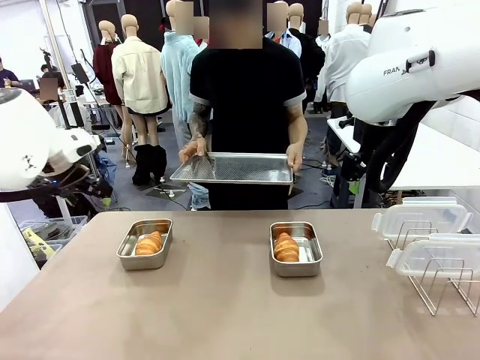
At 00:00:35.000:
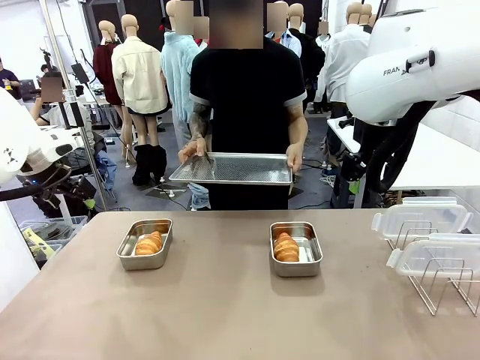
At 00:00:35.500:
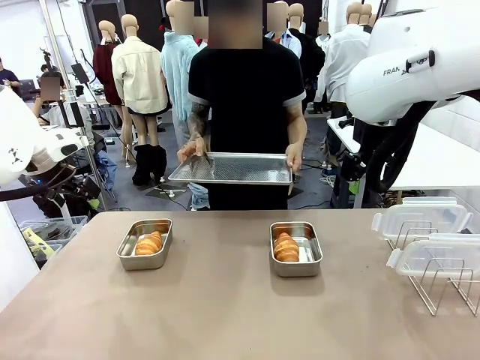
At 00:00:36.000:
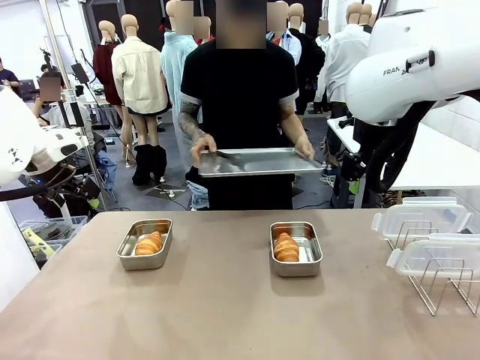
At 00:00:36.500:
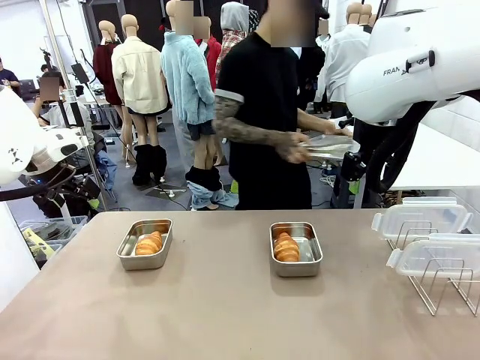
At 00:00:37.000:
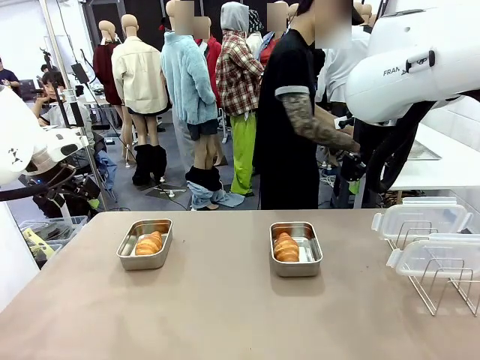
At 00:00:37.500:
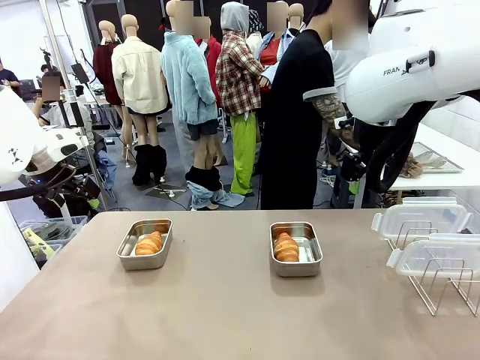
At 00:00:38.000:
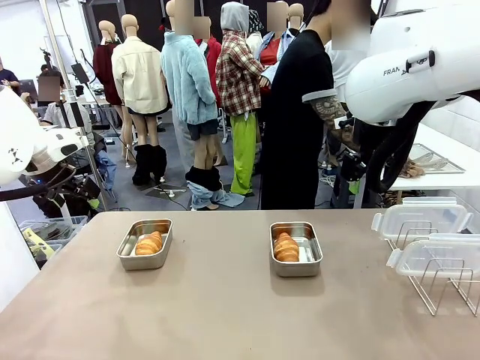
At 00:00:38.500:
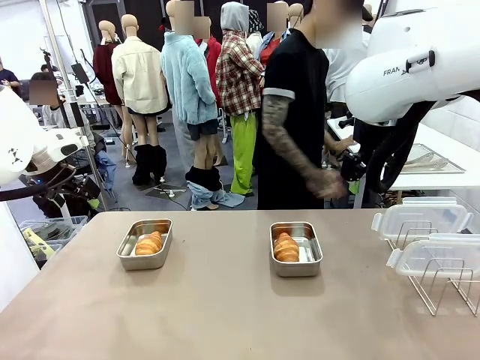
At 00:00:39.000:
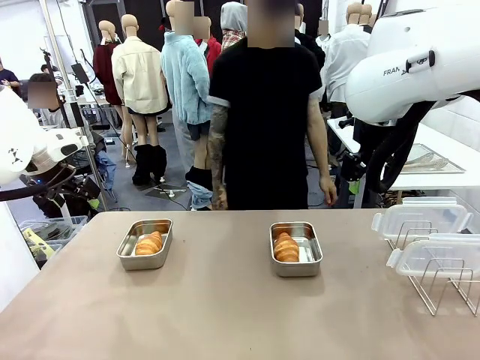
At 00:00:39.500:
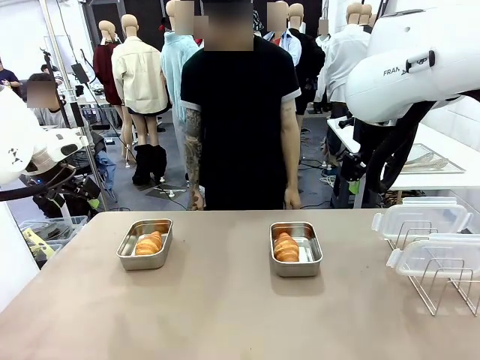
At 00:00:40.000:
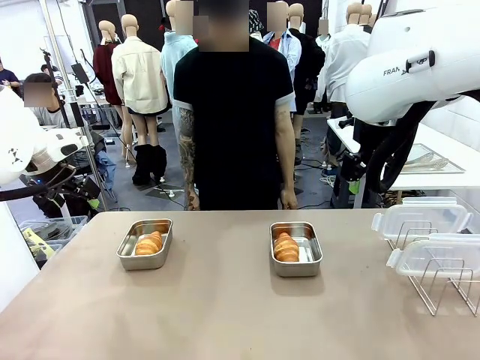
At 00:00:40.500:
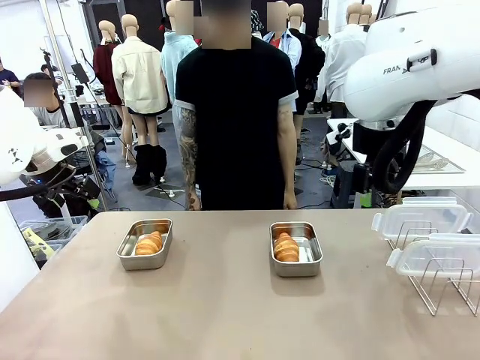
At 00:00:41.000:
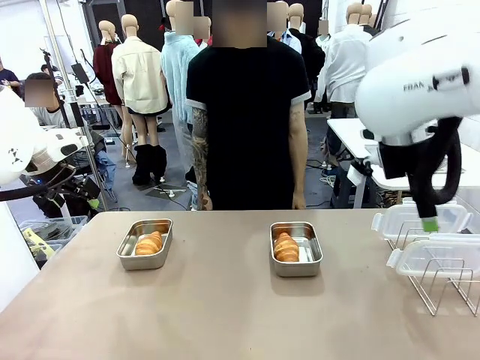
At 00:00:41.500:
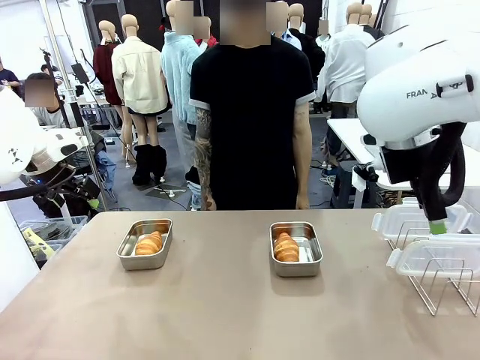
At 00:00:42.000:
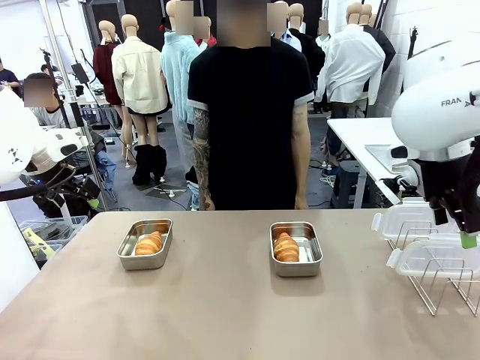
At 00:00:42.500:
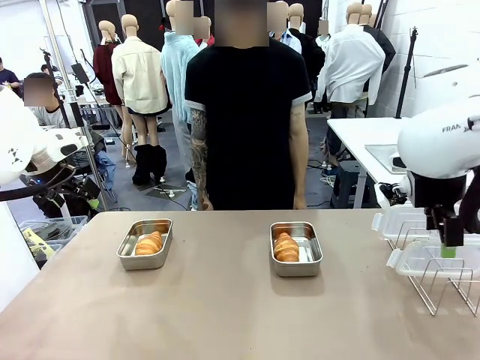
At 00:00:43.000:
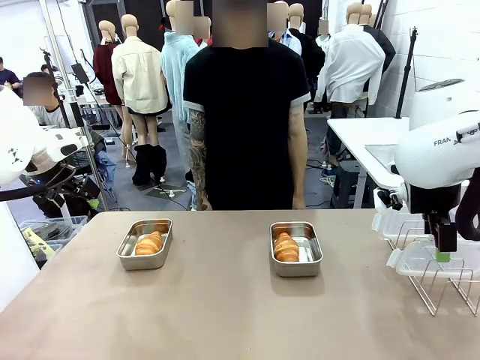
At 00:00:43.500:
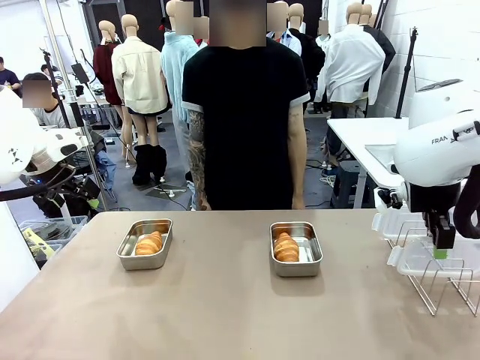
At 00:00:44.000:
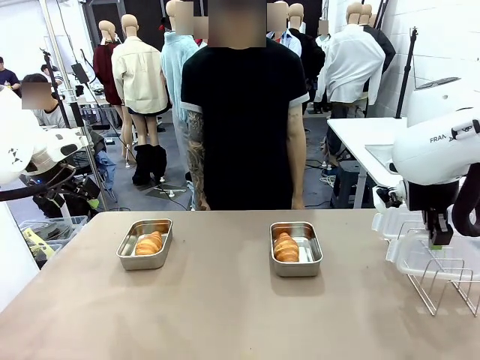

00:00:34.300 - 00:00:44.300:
Task: Place the bread in airtight containers.
Robot: Pick up one Airtight Container lid and hand it to the human.
Person: Place Baking Sheet on the Human's Table.

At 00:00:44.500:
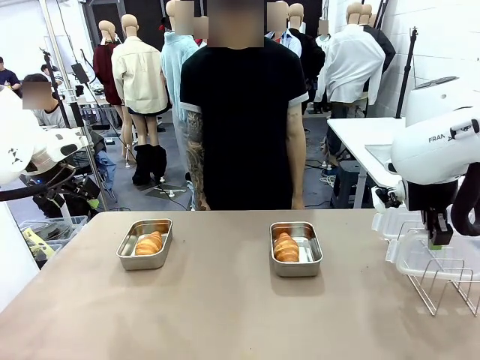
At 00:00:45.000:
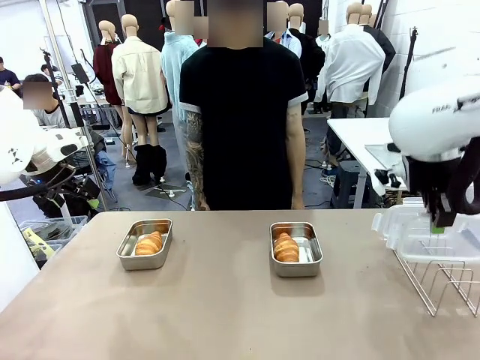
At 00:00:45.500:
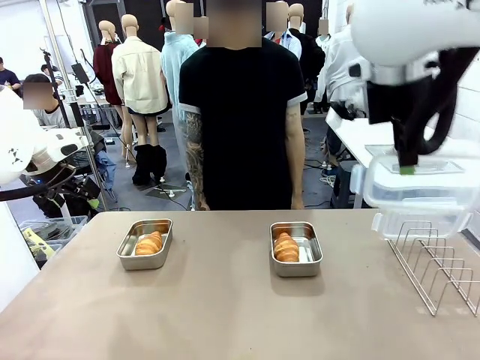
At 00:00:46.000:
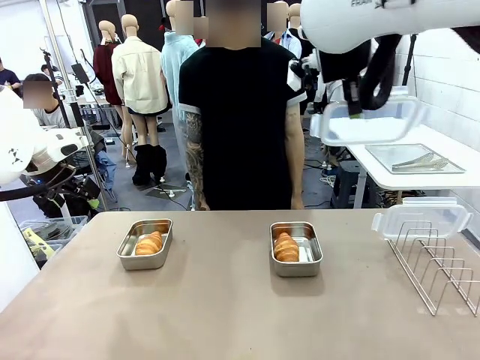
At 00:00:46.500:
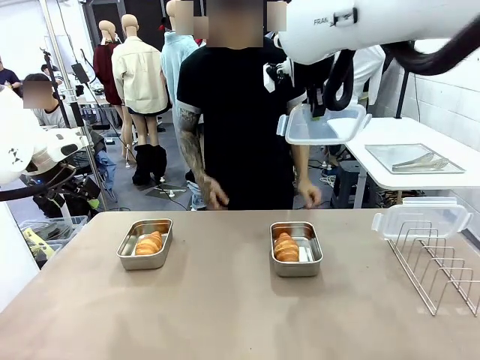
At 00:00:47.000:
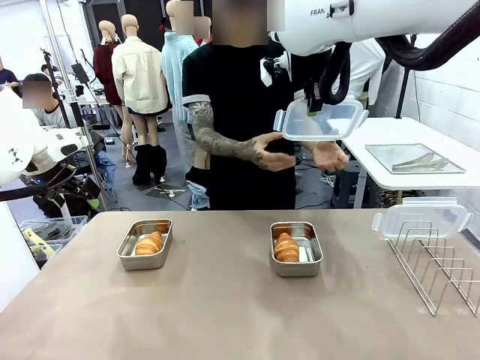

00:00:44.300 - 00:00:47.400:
Robot: Release when the human grabs the Airtight Container lid.

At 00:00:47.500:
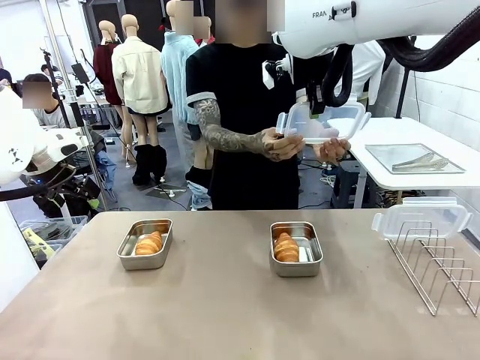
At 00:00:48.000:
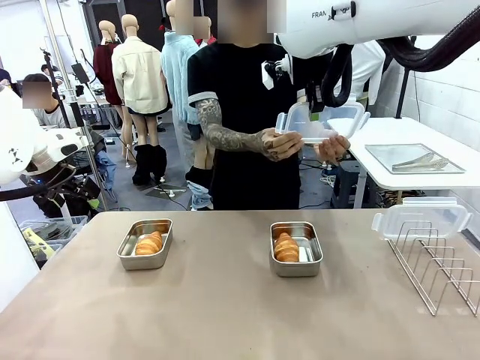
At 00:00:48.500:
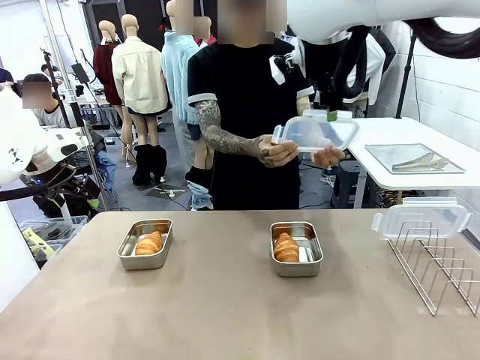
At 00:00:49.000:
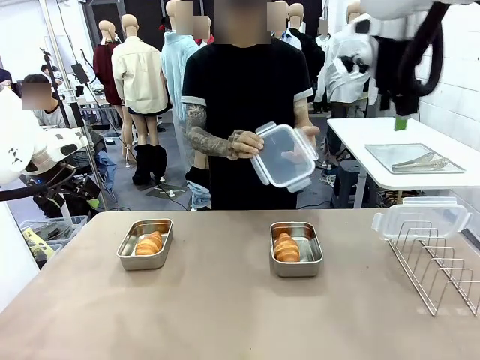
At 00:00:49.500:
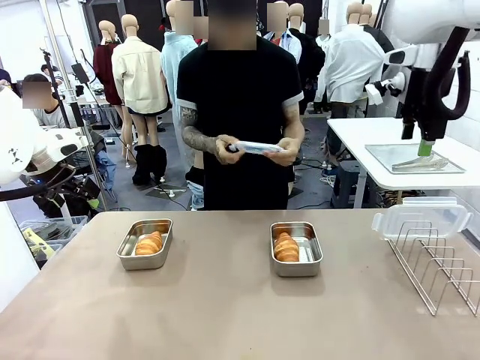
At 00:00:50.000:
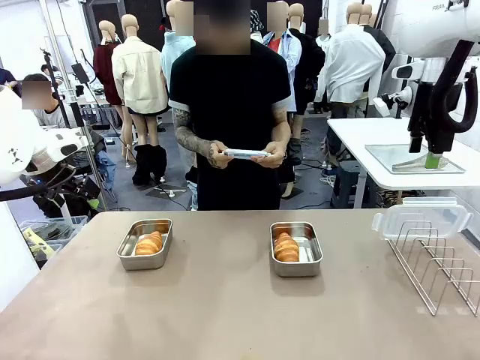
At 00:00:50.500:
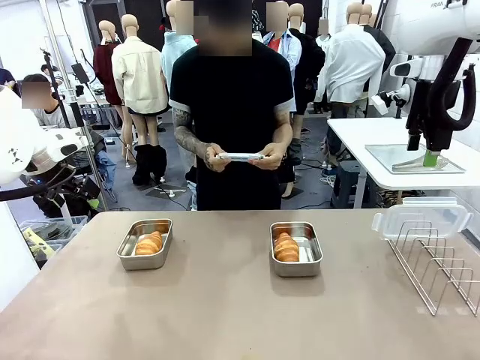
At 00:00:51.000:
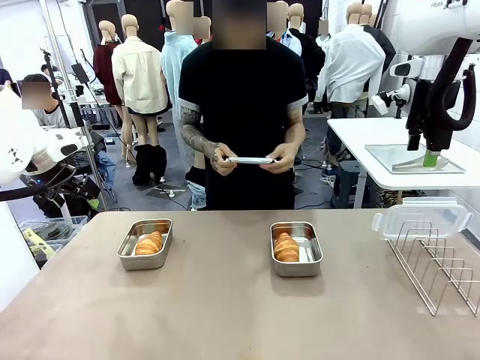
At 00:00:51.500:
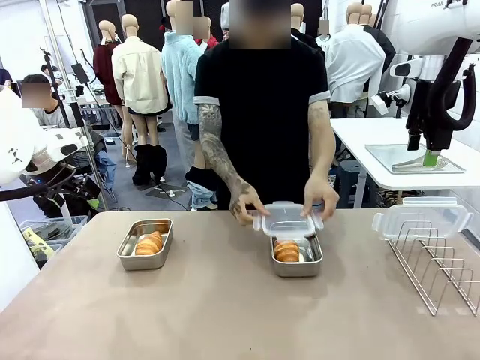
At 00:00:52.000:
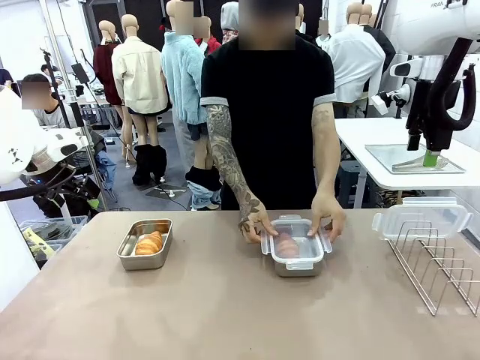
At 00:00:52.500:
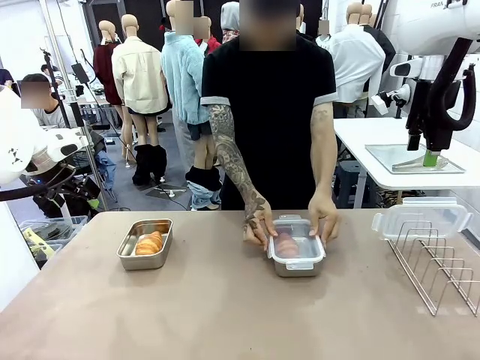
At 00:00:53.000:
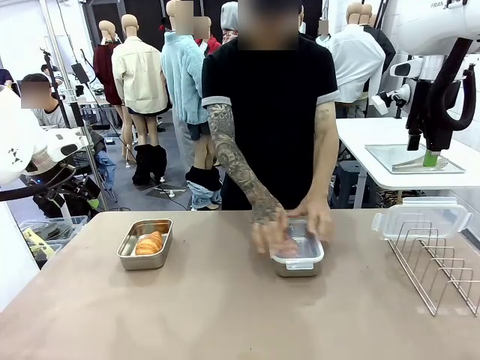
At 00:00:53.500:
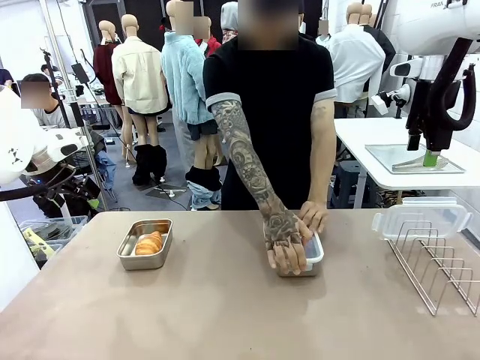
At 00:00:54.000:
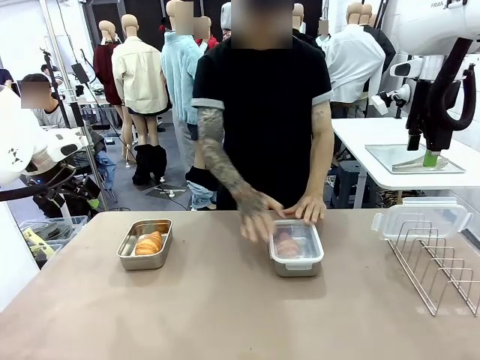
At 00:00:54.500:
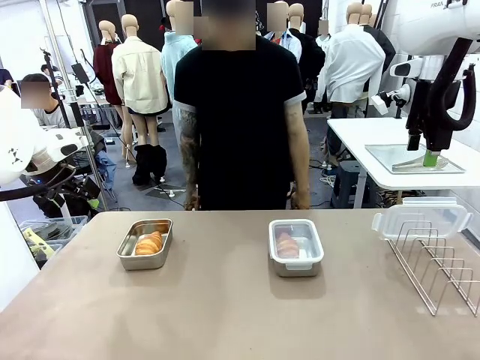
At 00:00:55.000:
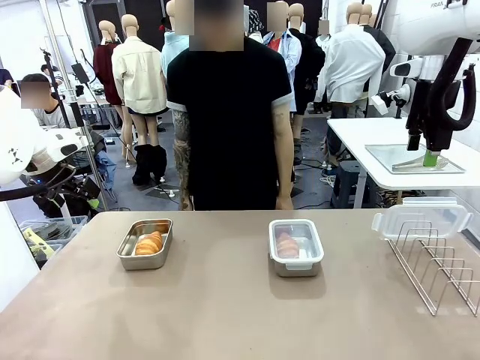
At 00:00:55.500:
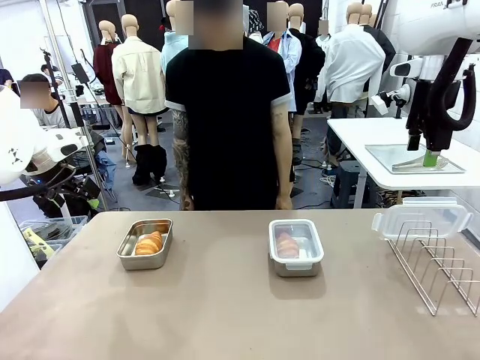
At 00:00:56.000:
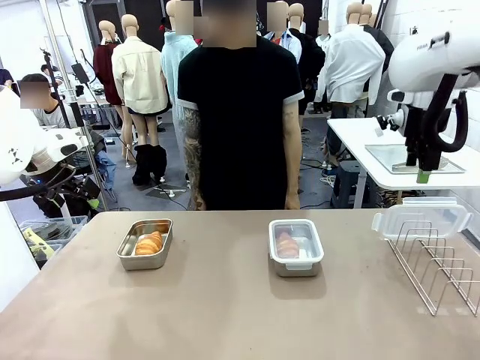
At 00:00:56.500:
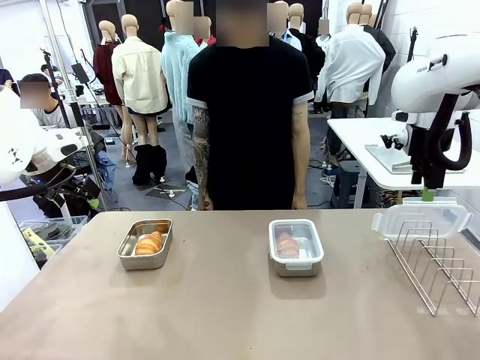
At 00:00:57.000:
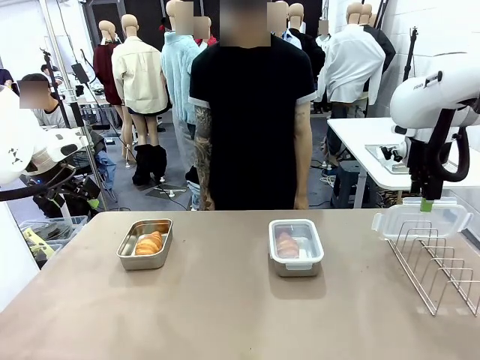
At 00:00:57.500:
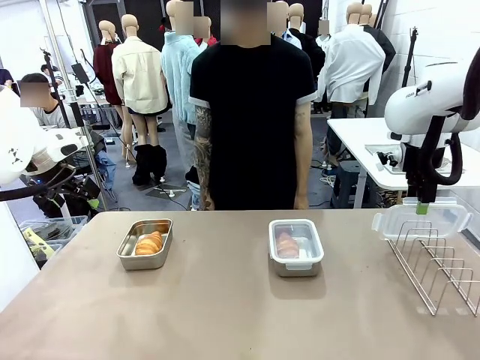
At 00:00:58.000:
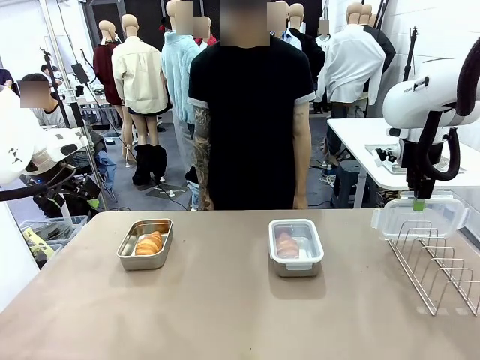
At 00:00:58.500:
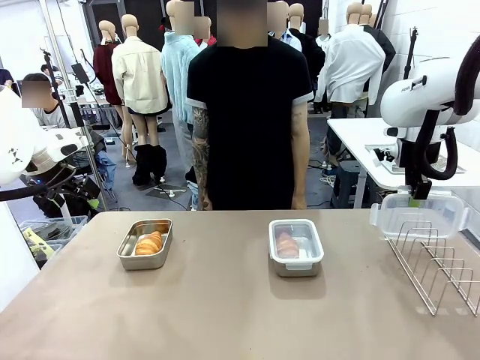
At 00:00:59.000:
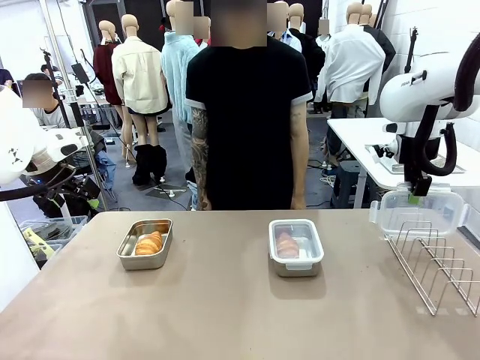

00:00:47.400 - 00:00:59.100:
Robot: Pick up one Airtight Container lid and hand it to the human.
Person: Close Airtight Container with a handed Airtight Container lid.
